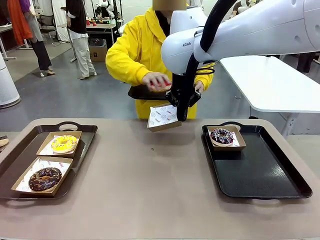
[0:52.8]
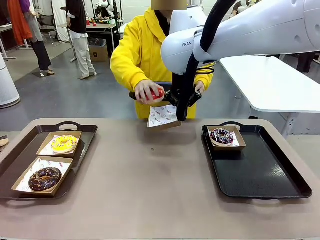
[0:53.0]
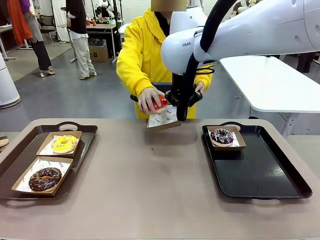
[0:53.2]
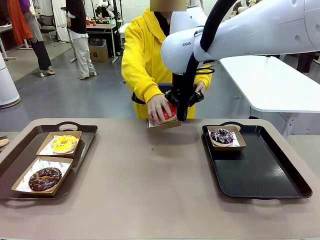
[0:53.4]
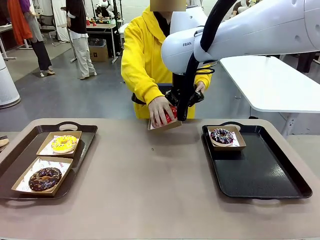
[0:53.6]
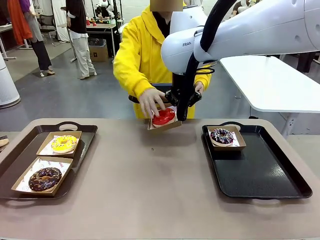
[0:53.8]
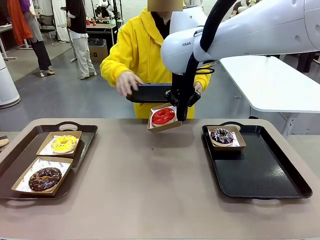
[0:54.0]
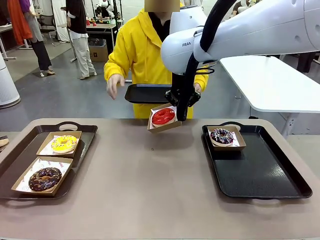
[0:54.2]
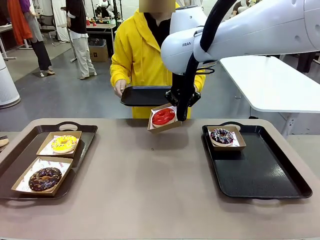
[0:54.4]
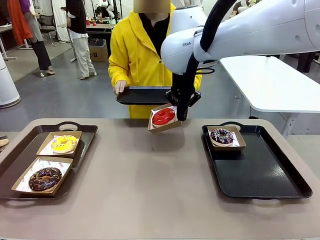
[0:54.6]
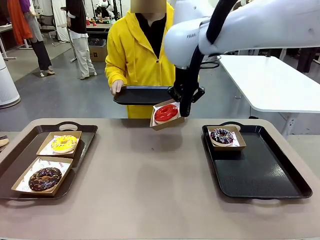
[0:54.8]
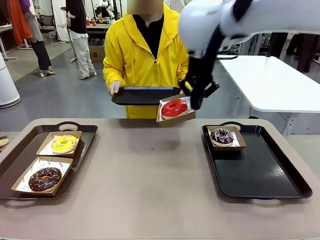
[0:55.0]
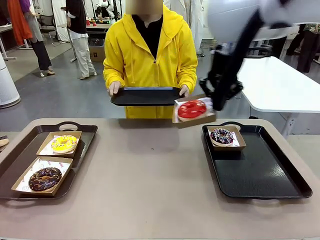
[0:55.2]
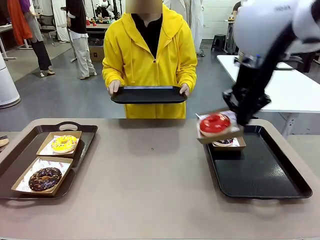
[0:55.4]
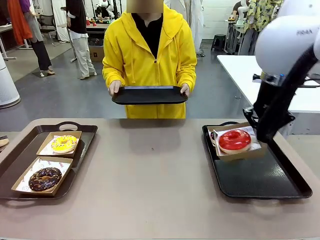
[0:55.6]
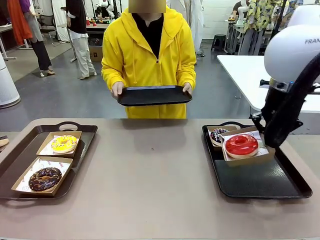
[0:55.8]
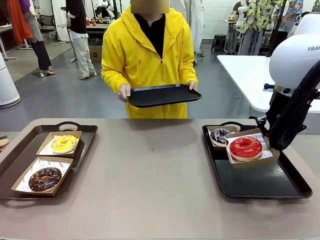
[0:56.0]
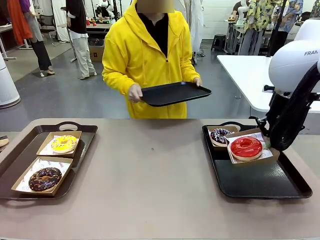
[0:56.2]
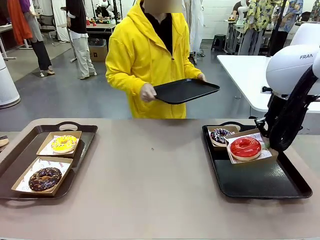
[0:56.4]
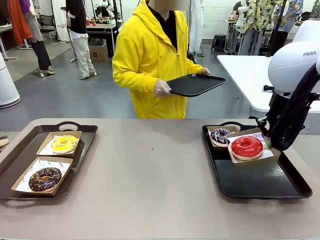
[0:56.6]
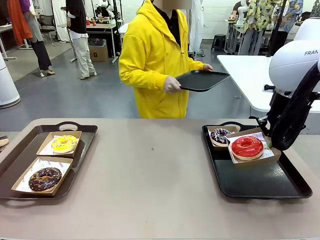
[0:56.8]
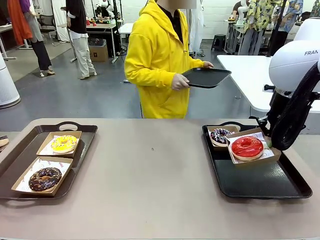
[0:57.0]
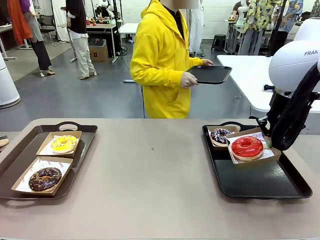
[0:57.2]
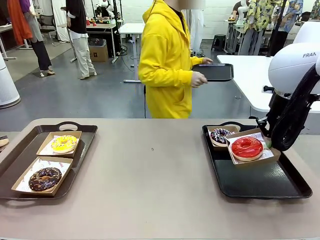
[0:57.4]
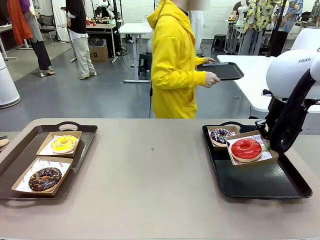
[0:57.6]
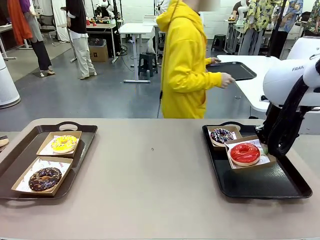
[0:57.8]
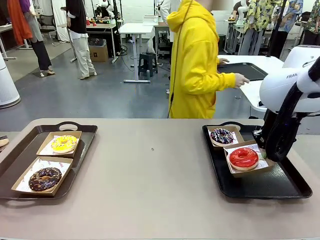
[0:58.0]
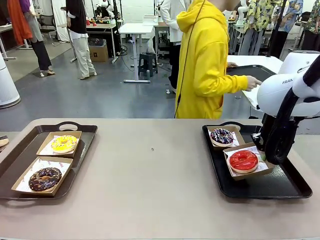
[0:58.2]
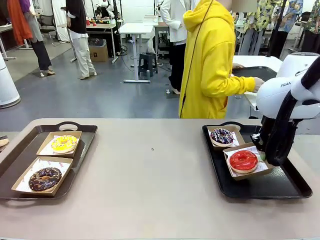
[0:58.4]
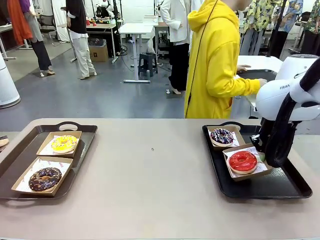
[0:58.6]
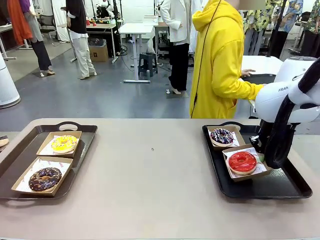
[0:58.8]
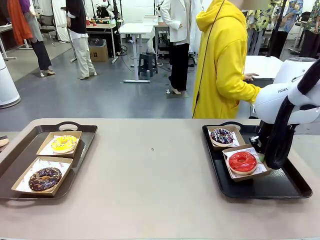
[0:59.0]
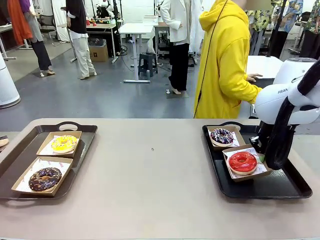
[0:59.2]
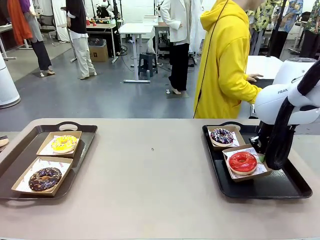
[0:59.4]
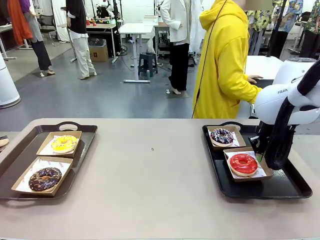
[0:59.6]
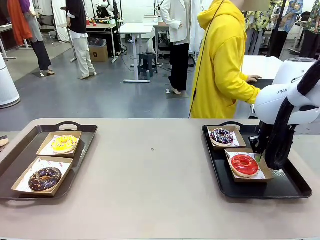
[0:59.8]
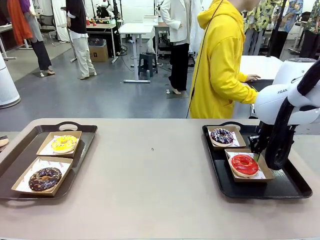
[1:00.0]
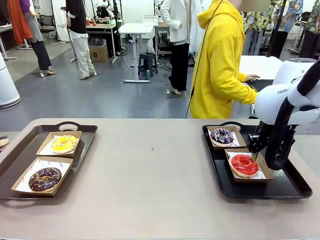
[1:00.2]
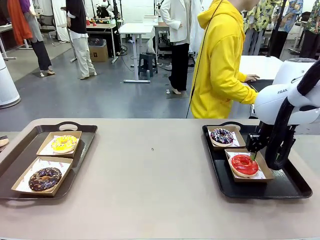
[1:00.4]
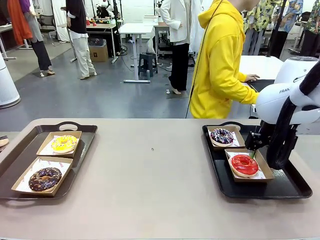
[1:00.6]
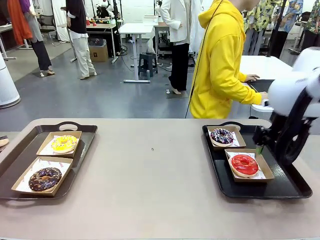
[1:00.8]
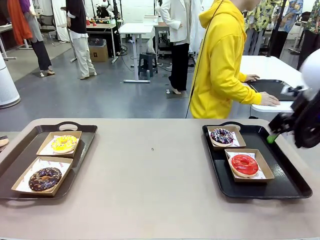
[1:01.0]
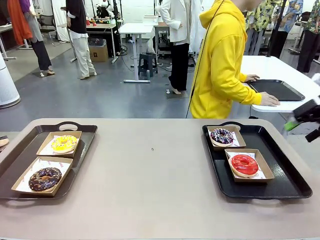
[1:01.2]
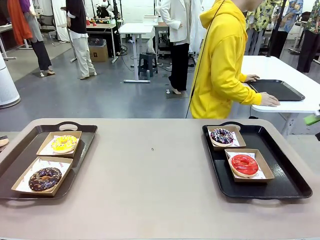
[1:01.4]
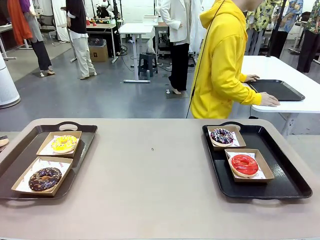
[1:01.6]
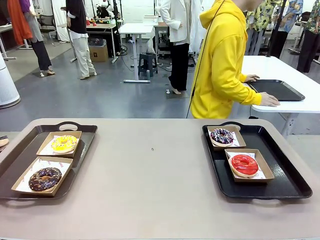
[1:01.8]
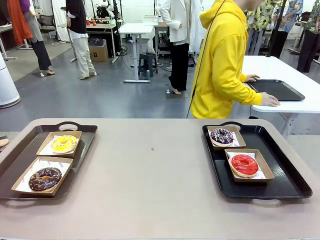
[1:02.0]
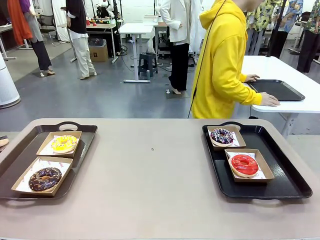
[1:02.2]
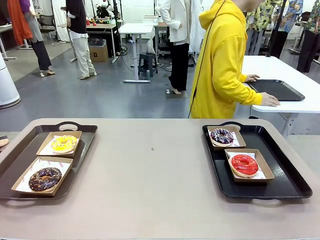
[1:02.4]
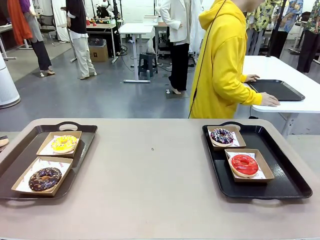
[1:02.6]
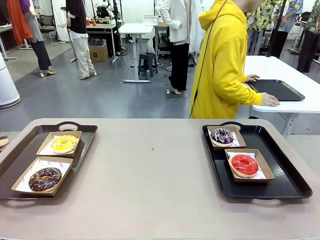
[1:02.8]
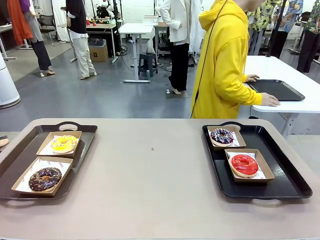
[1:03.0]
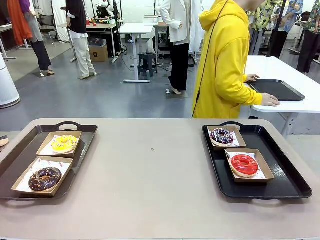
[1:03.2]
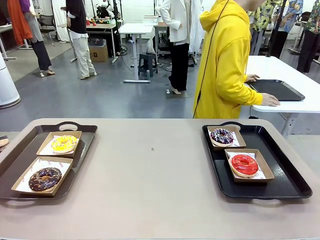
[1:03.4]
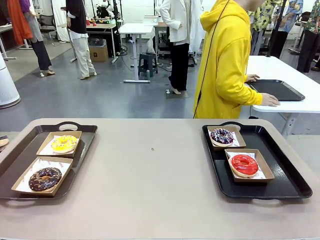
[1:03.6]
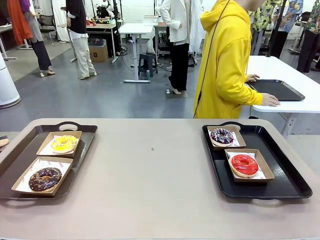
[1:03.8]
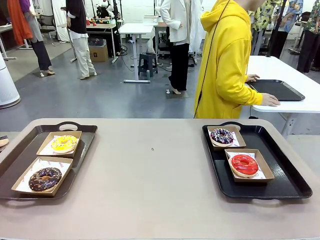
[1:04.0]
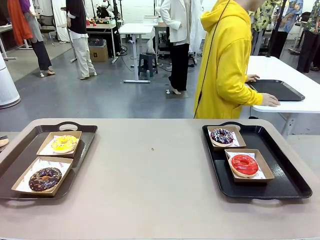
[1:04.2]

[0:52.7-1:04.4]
Task: Individually package the donuts and arrange them on the tray.
Robot: Place the picked Paper togo box on the Handle tray.
Person: Place the tray down in the middle of the human table.

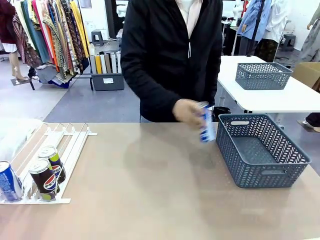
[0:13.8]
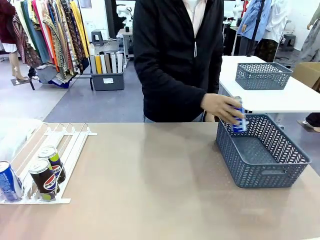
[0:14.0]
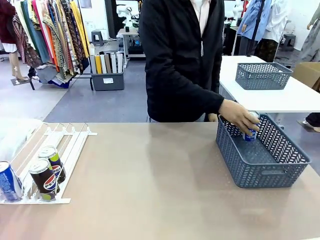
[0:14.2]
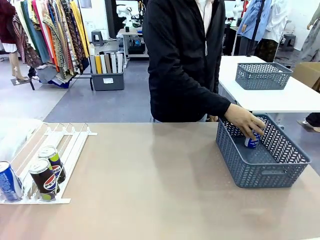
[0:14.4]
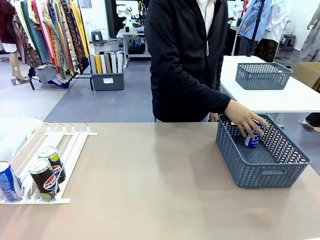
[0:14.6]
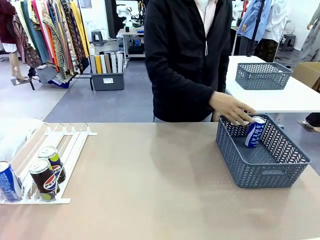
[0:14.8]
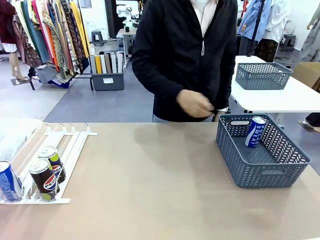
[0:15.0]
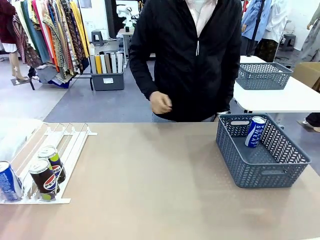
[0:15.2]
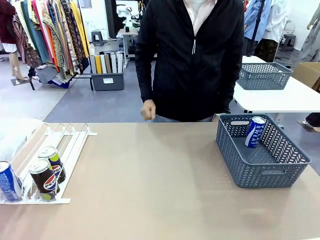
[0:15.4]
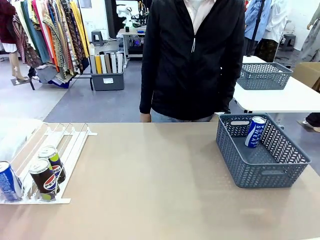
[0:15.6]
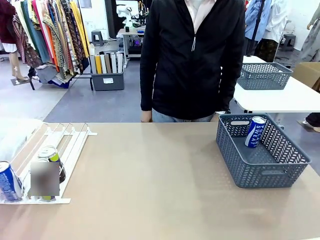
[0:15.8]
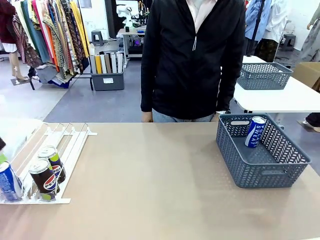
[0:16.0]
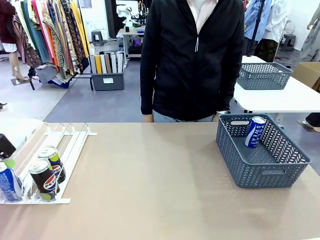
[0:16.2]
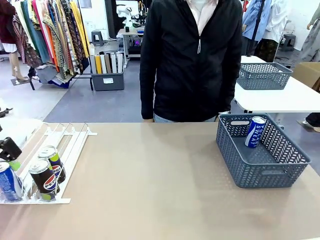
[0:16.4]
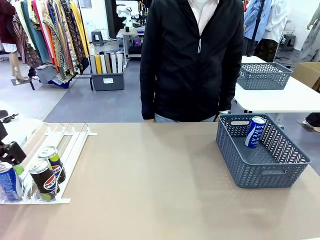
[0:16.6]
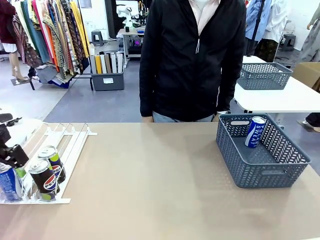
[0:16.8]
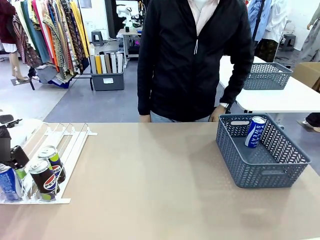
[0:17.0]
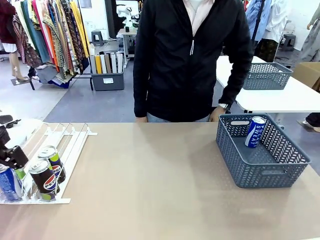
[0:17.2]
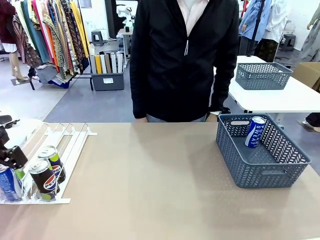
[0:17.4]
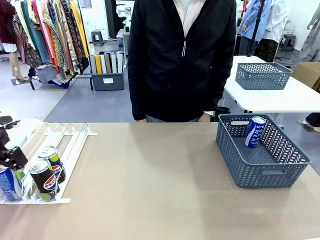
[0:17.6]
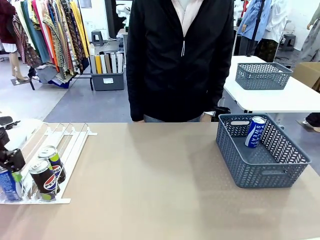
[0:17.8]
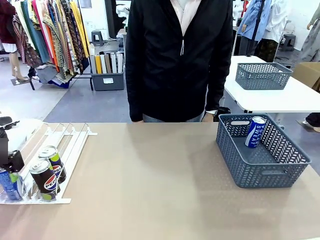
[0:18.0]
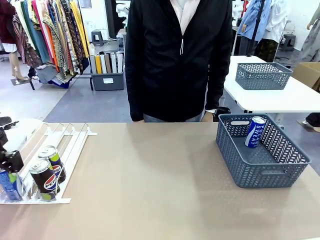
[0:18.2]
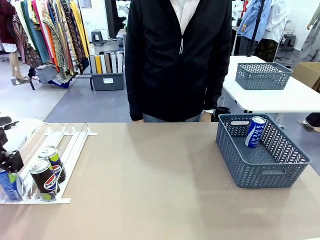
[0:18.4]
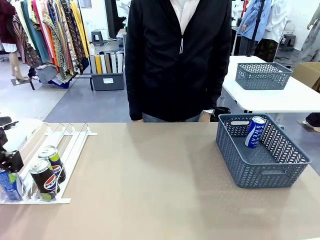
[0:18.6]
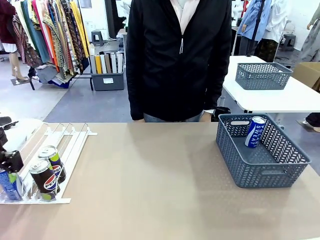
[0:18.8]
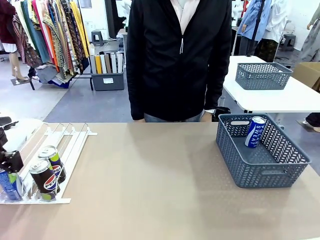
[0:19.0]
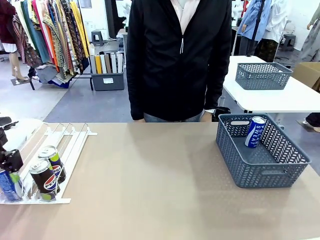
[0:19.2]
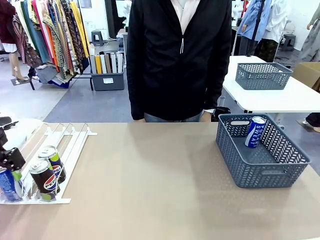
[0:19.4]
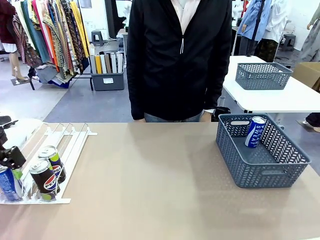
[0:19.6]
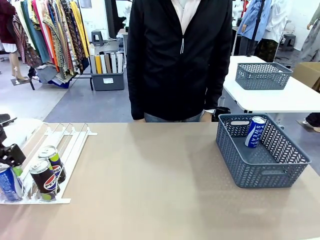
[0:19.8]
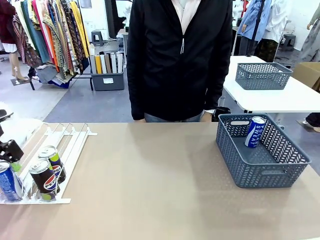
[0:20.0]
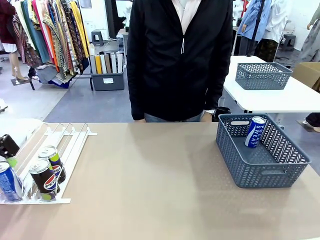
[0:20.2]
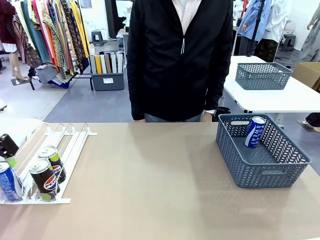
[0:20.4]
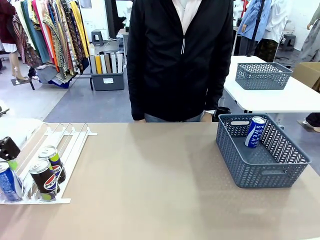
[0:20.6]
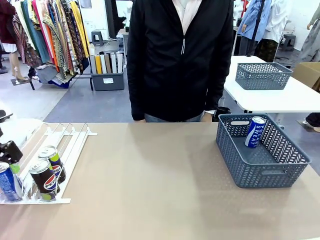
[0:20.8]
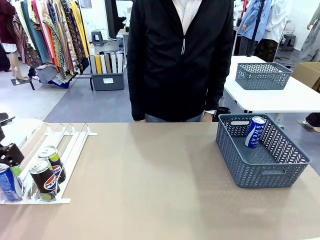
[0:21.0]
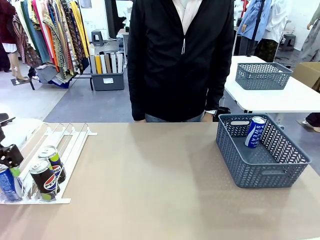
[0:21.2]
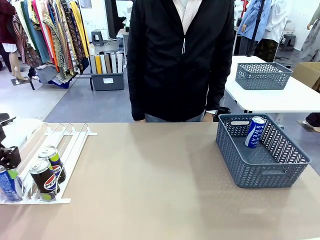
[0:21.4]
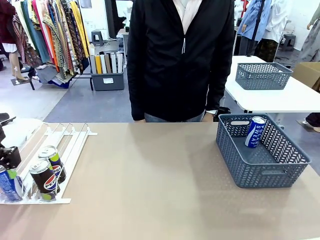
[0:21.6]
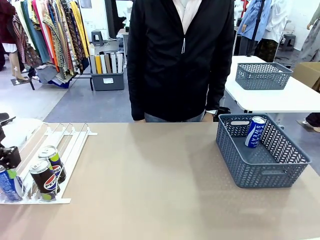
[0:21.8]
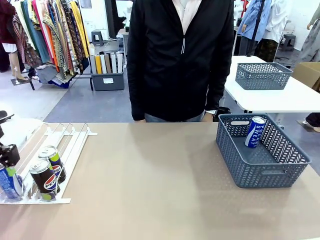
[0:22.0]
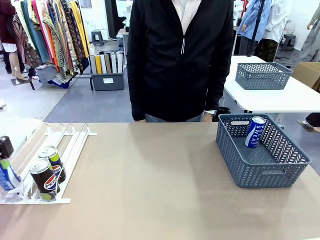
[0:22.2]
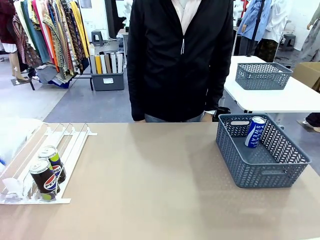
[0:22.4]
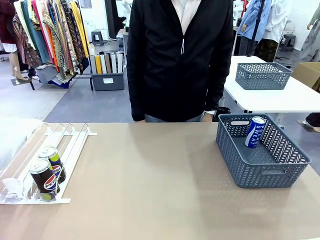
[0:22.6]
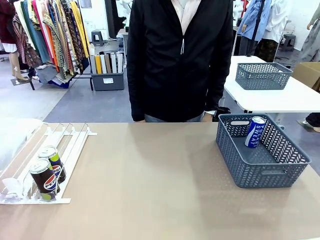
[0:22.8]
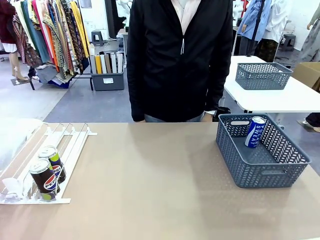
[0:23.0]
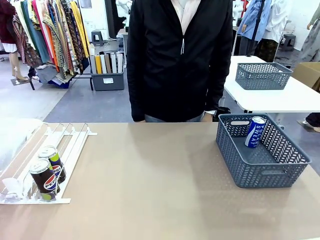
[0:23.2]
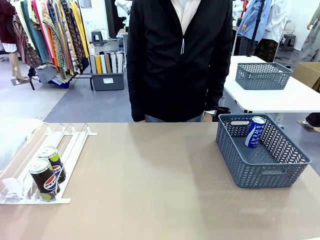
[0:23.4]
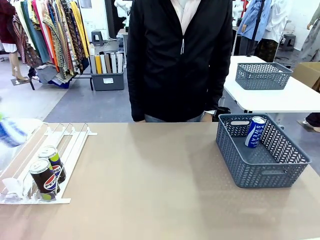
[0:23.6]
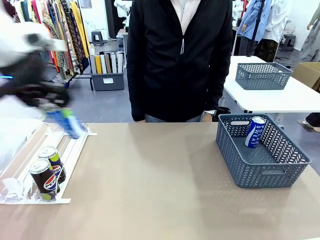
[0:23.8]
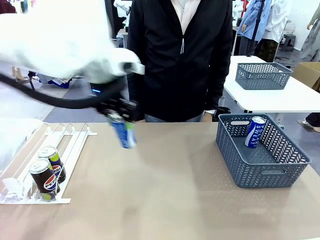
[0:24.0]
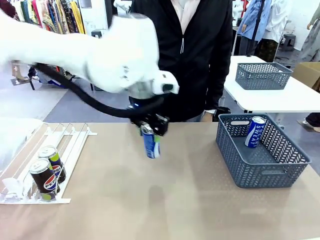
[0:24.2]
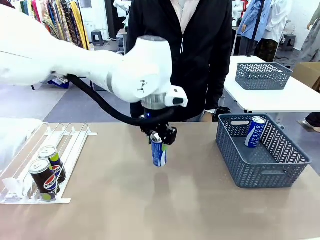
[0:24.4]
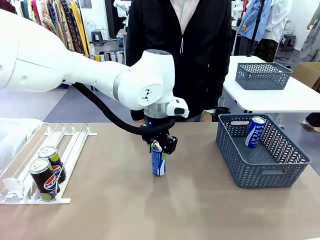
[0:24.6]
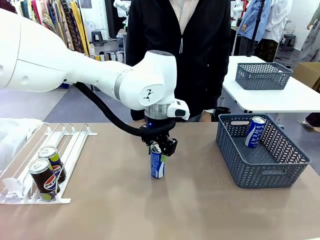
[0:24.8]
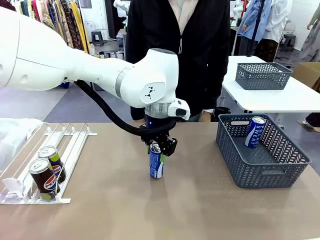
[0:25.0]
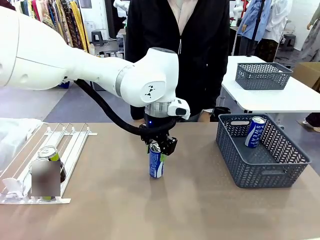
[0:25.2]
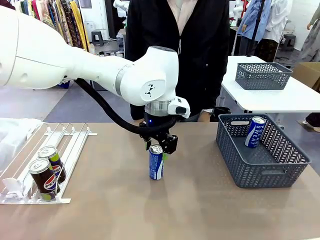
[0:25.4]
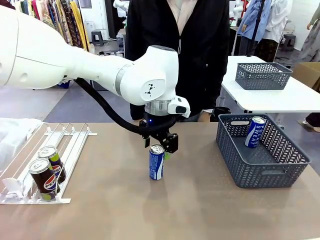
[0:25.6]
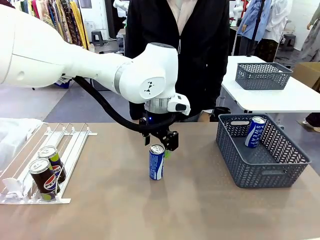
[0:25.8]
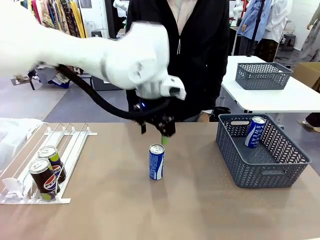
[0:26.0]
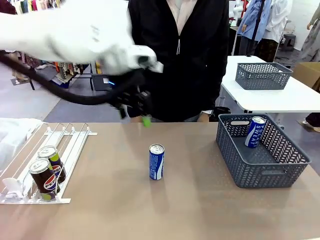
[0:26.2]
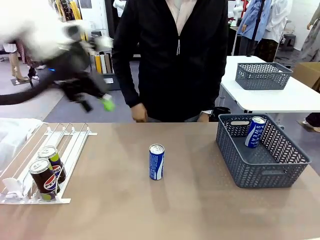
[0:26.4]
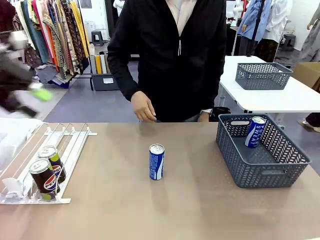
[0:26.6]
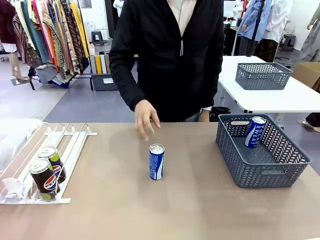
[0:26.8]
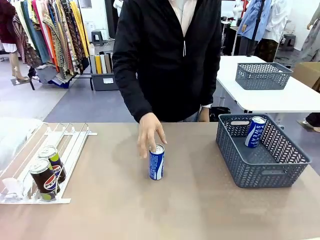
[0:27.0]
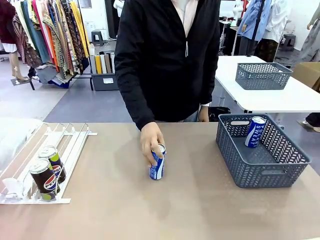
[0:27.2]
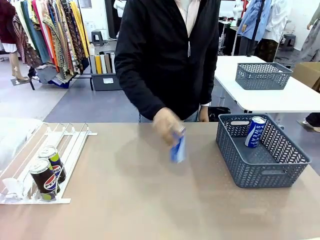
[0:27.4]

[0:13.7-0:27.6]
Task: Retrieve and store the cans from the dispenser.
Robot: Pick up the last remaining can from one row of the Automatic Can Dispenser and place it in the middle of the table.
Person: Pick up one Pepsi can from the middle of the robot table and place it in the basket.
